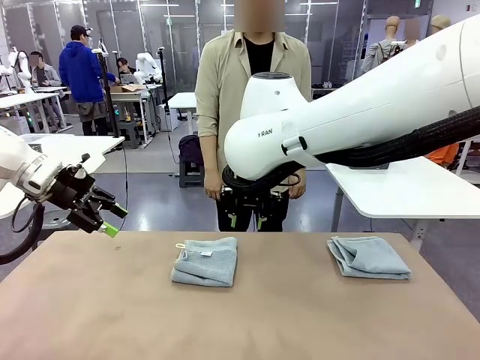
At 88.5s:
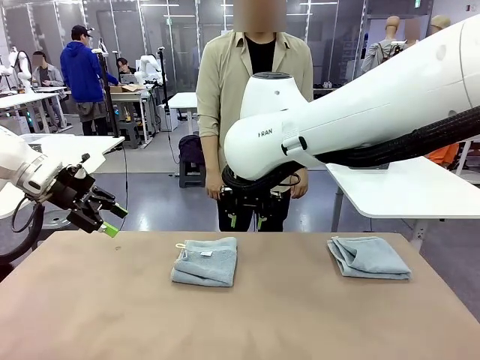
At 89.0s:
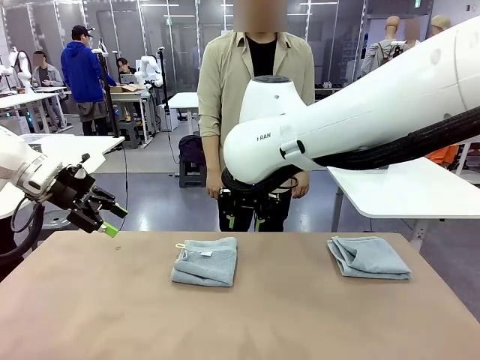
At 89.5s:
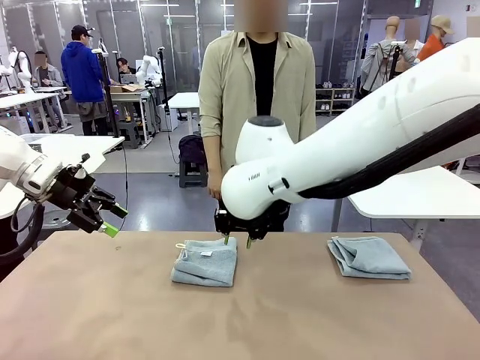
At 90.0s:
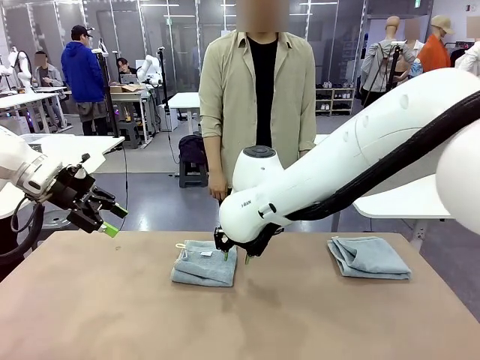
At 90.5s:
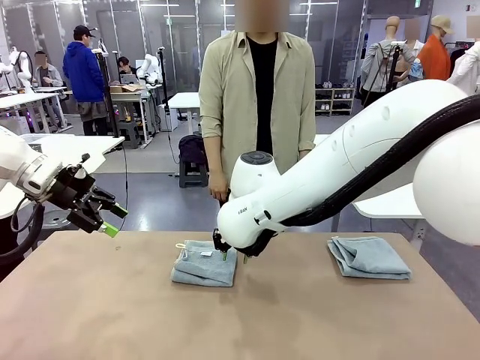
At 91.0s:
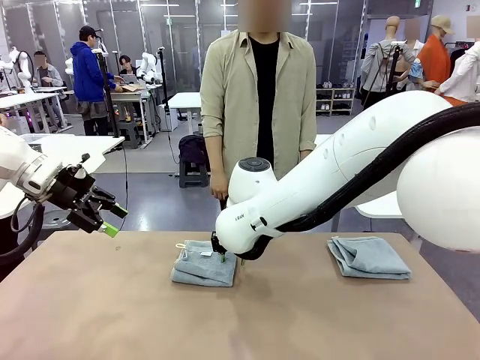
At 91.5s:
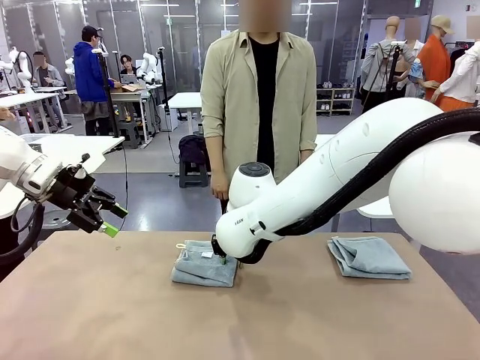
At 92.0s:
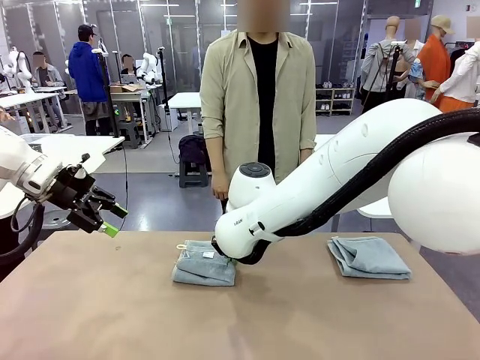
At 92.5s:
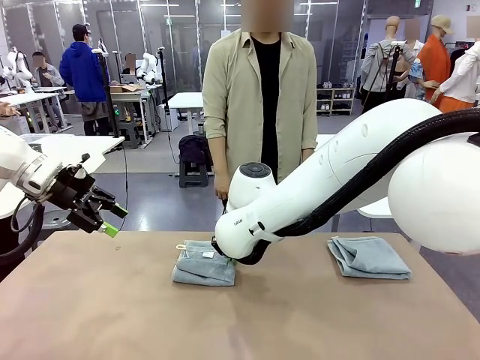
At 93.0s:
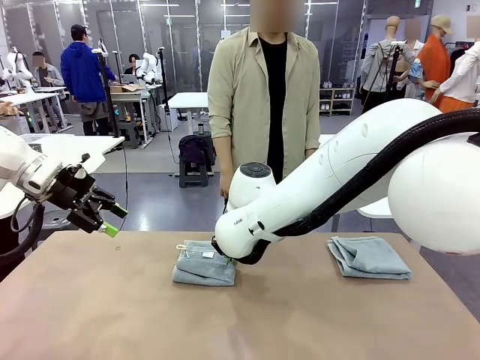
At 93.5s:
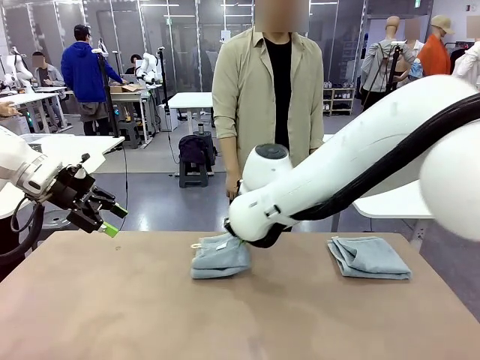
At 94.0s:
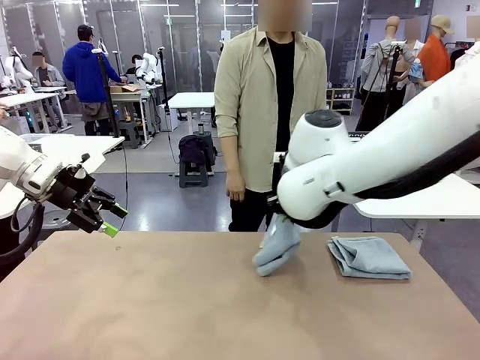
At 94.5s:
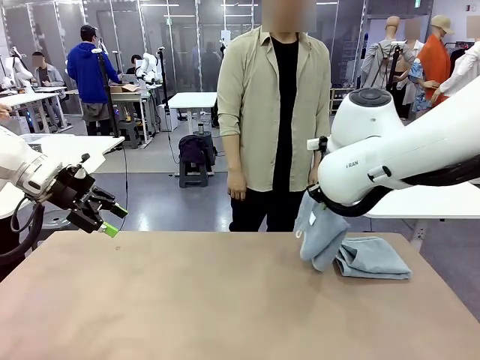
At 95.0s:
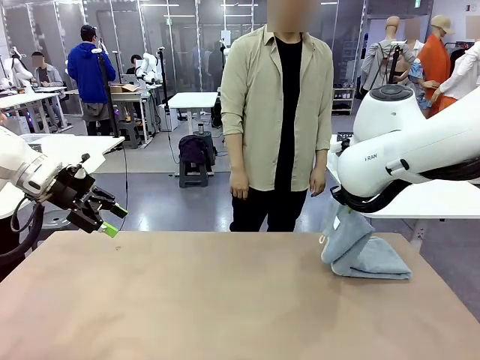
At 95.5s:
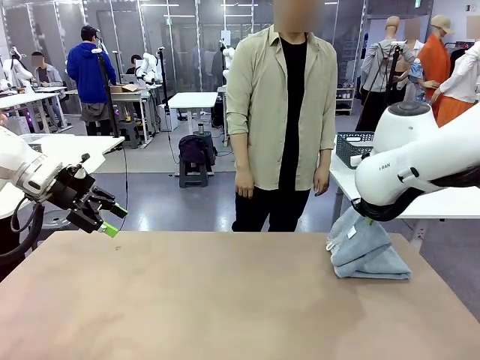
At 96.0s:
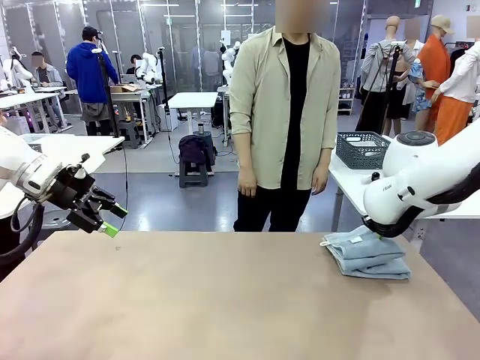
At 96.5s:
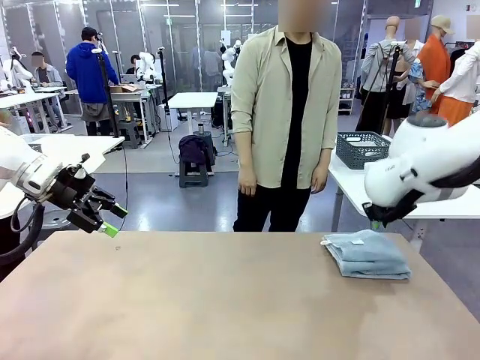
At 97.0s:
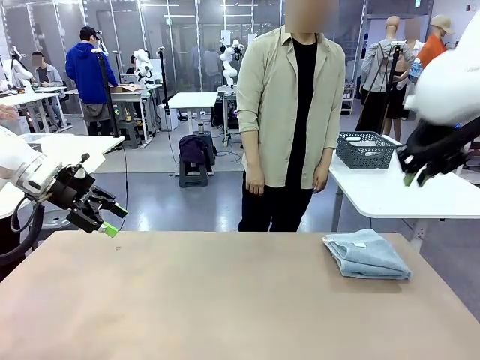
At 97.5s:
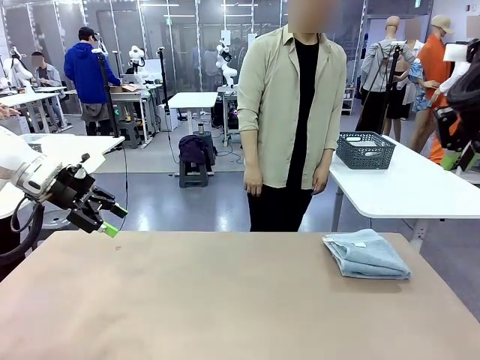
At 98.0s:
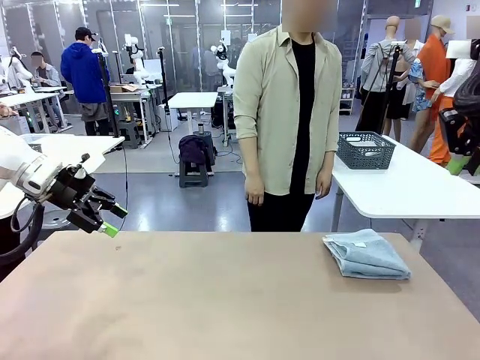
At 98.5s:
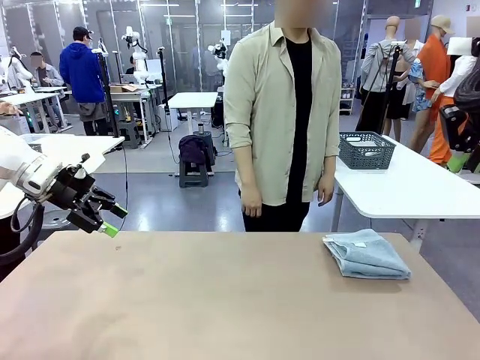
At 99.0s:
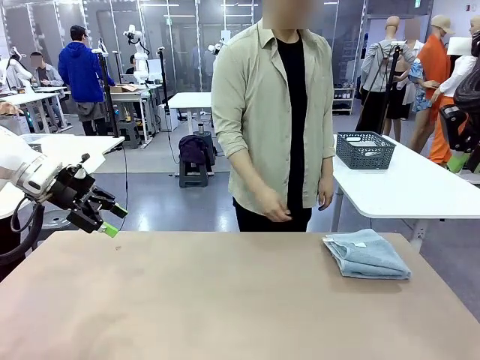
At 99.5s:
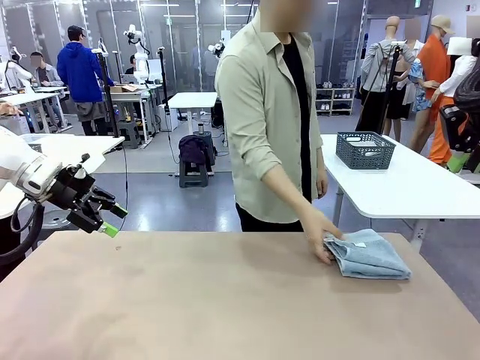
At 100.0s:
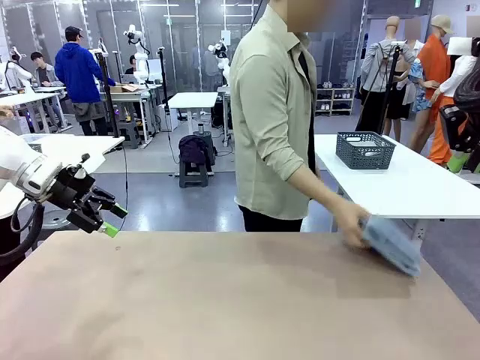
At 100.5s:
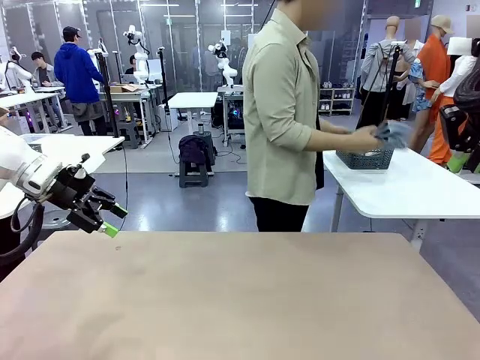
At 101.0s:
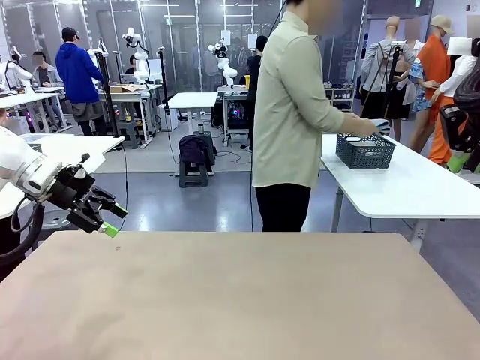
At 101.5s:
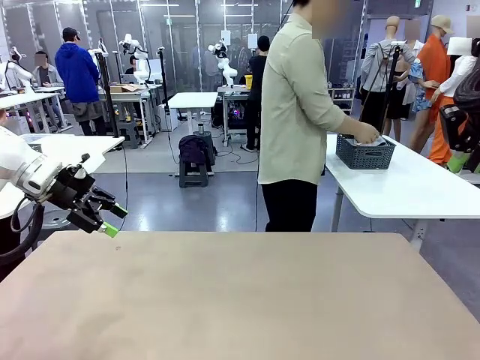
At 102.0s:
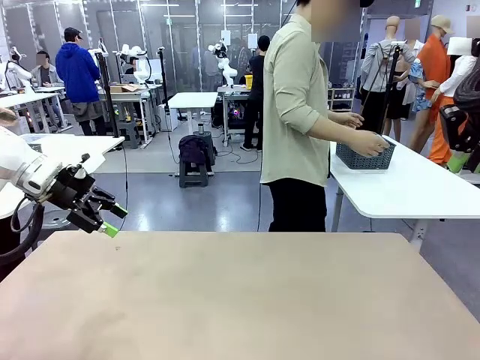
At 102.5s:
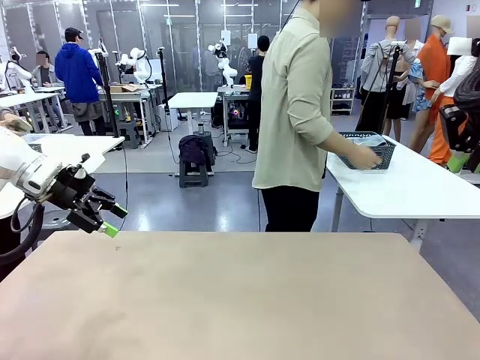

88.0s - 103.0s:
Task: Fold the towels and place them in the basket.
Robot: Stack the folded Towel with hook on the right side of the table.
Person: Pick up the stack of towels from the robot table and place it into the basket.

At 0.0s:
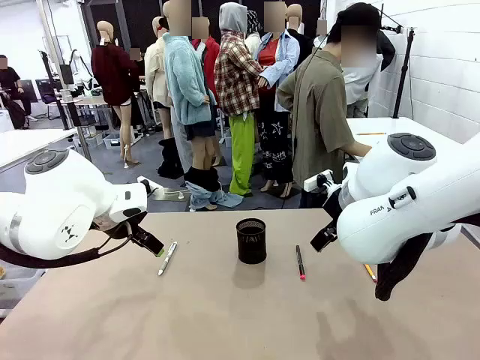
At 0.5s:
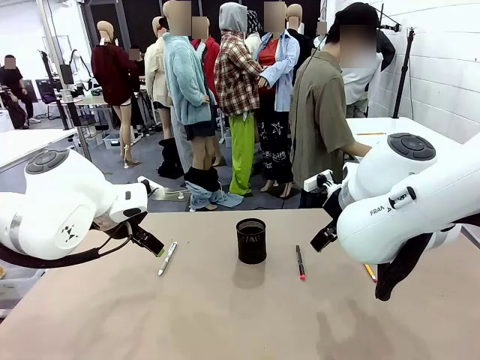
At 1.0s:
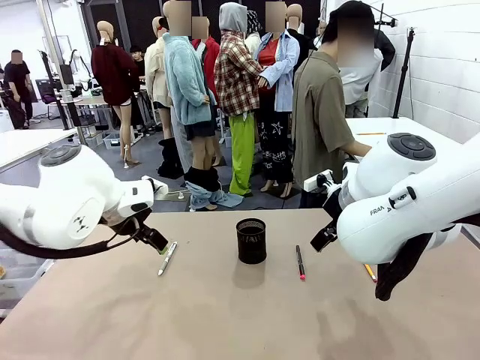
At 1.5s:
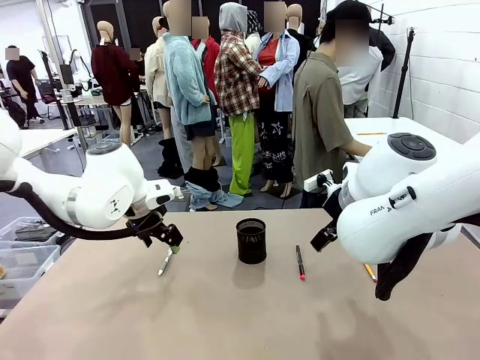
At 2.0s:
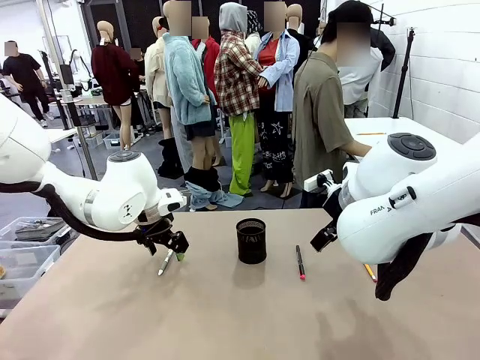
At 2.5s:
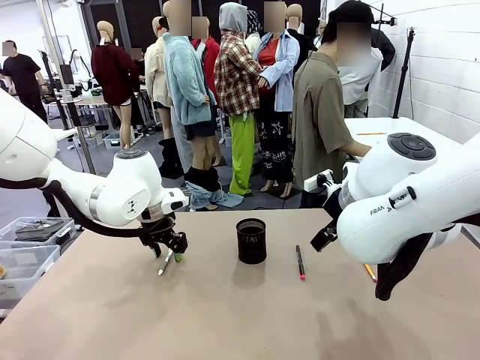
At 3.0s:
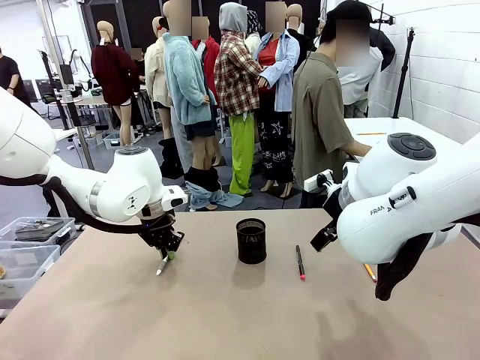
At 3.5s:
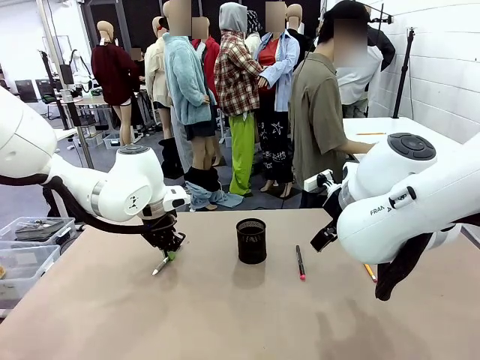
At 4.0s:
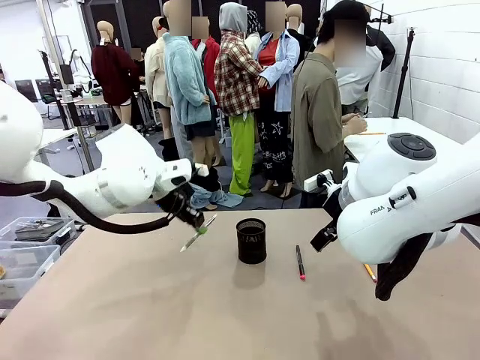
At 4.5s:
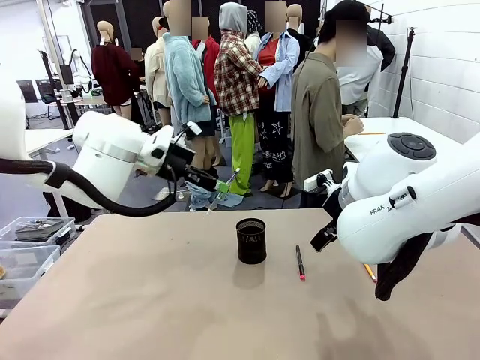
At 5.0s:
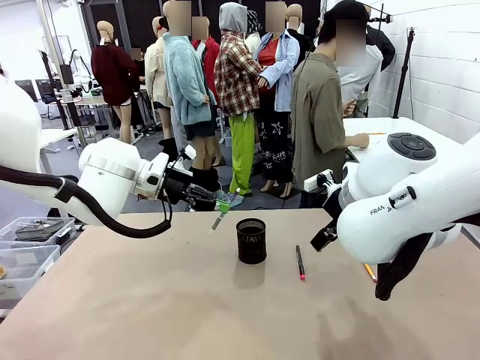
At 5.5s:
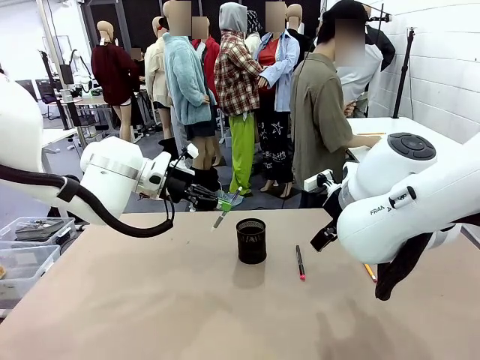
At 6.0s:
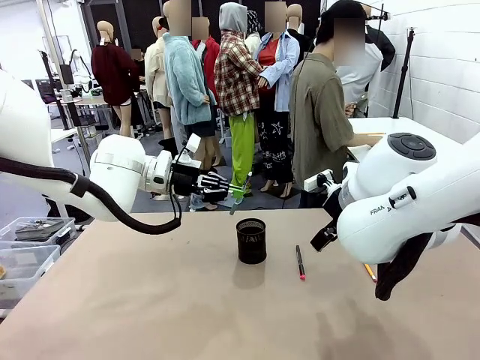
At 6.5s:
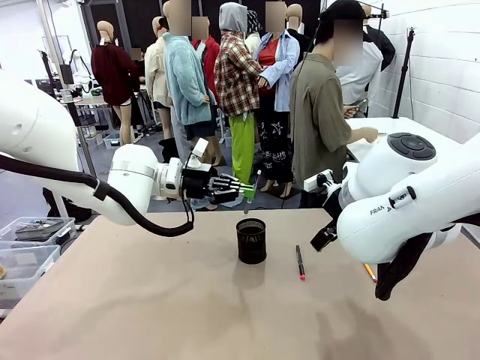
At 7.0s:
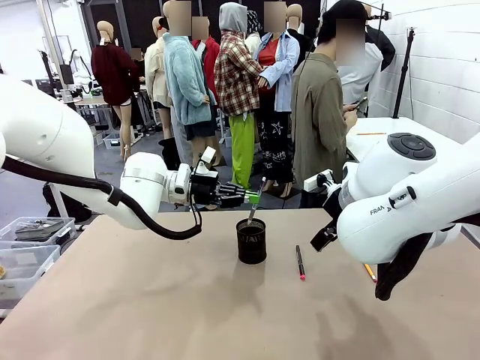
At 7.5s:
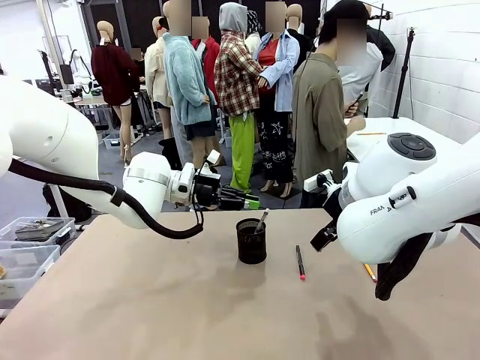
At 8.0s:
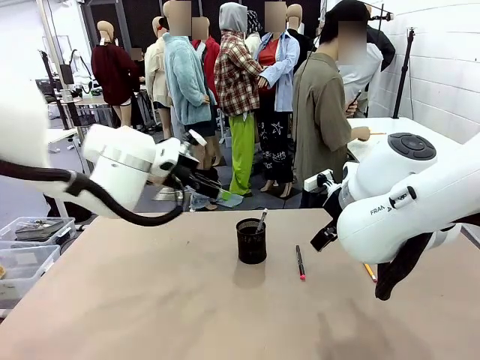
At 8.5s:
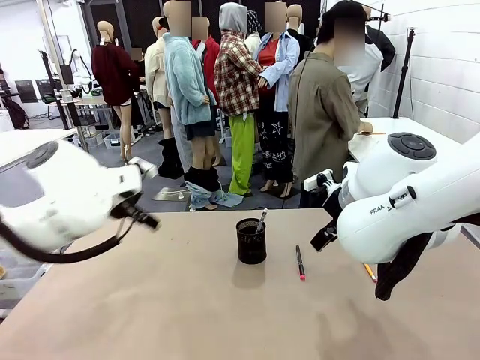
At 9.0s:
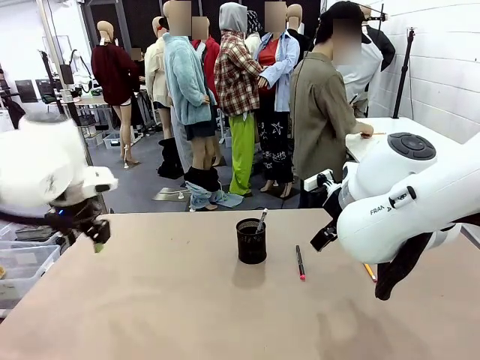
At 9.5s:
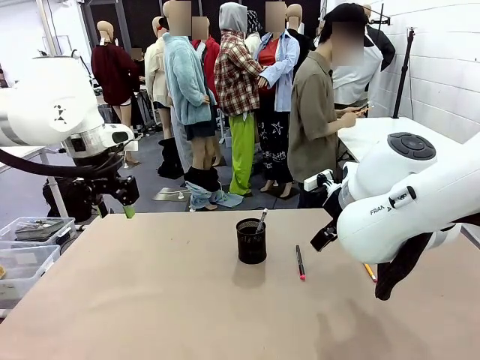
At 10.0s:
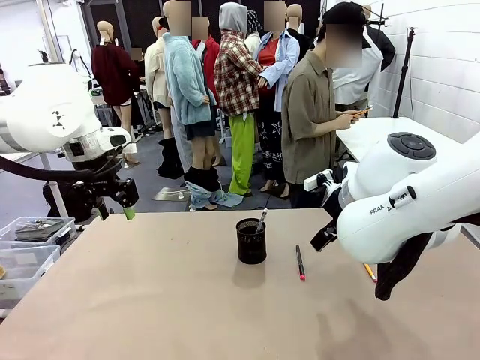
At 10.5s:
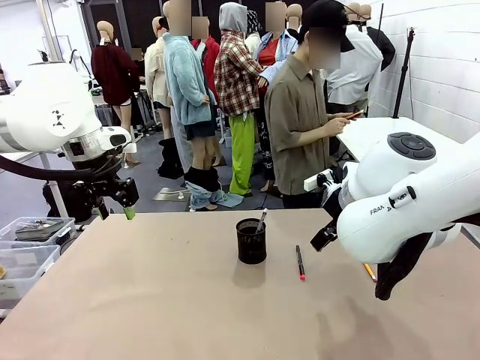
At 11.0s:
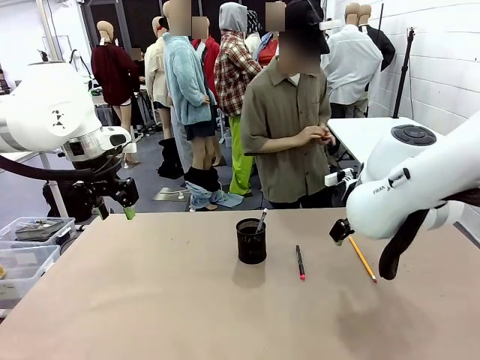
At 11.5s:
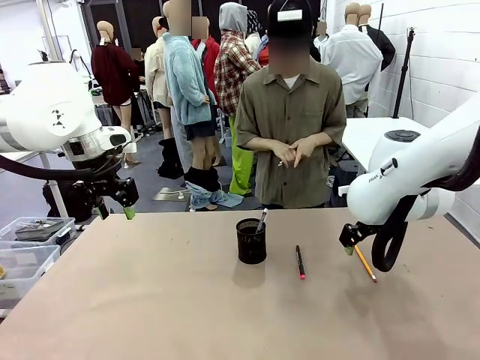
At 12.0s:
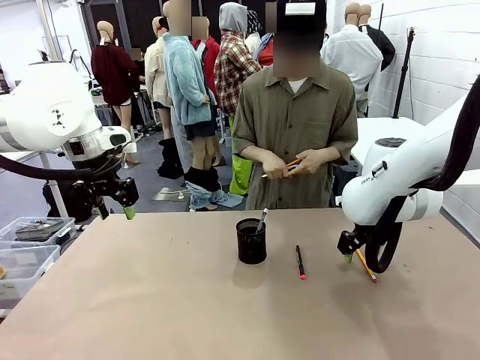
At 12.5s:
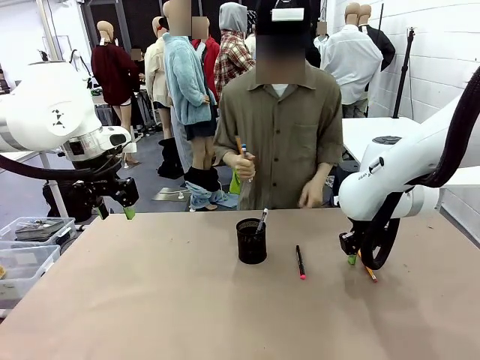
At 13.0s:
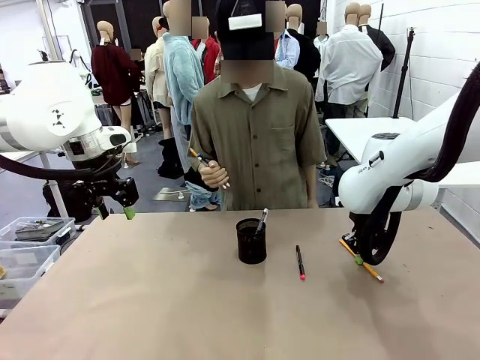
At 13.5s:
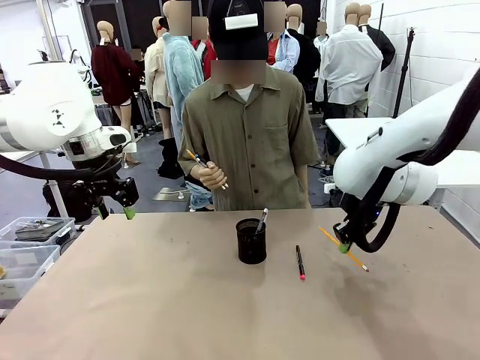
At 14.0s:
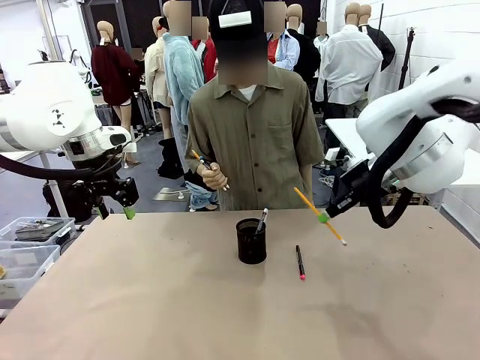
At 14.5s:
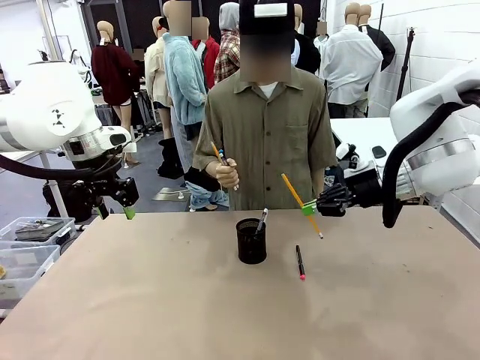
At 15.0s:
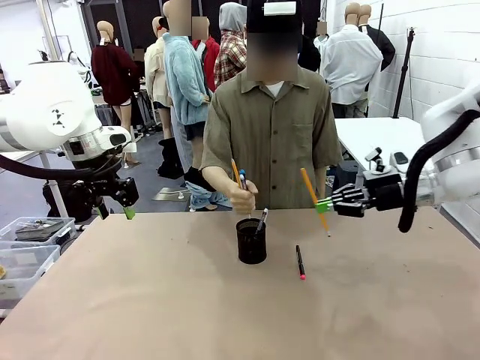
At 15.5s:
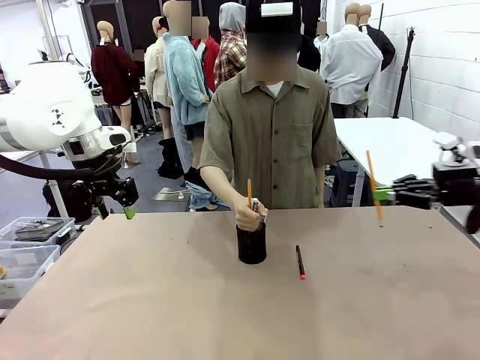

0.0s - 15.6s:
Task: Place the pens into the pen holder.
Robot: Pick up a writing instrument from the table and place it into the Pen holder.
Person: Pick up all writing instruments from the Human table.
